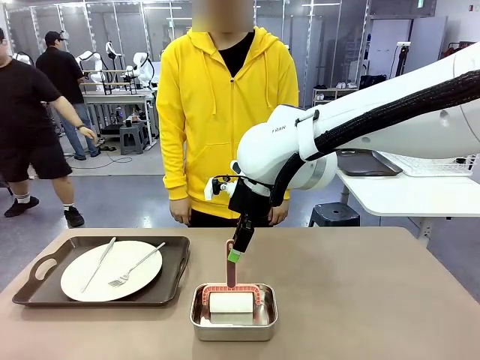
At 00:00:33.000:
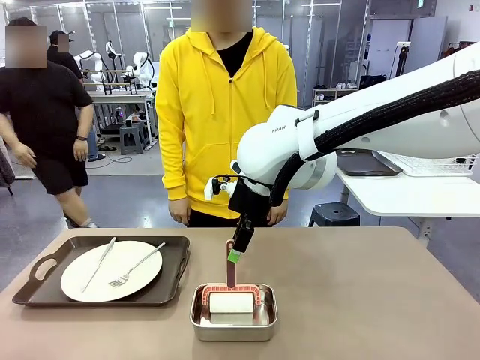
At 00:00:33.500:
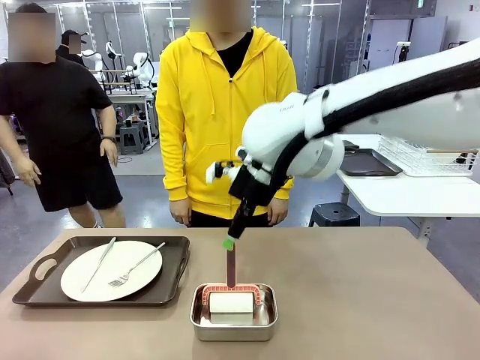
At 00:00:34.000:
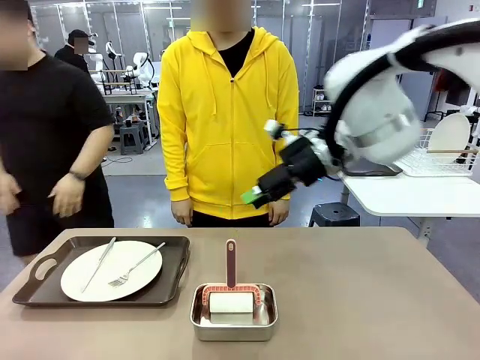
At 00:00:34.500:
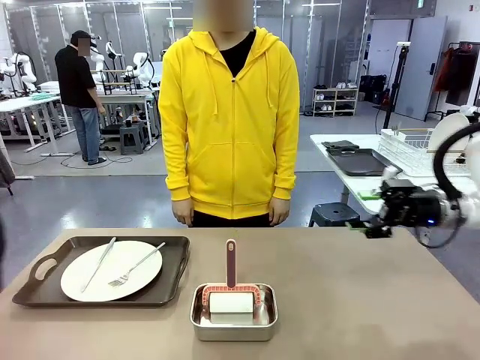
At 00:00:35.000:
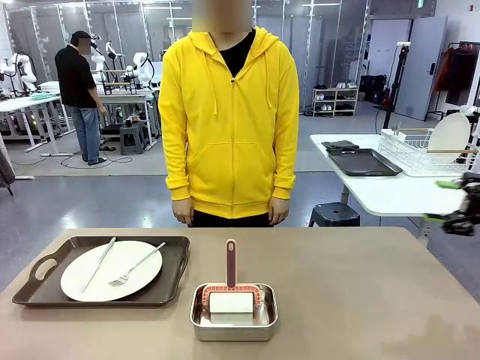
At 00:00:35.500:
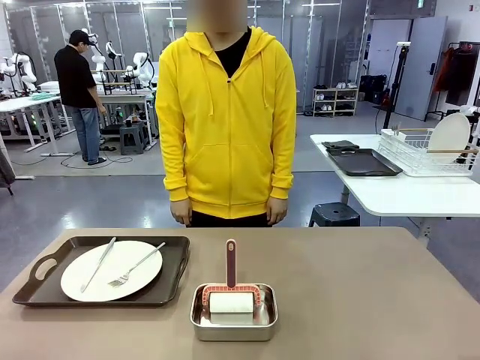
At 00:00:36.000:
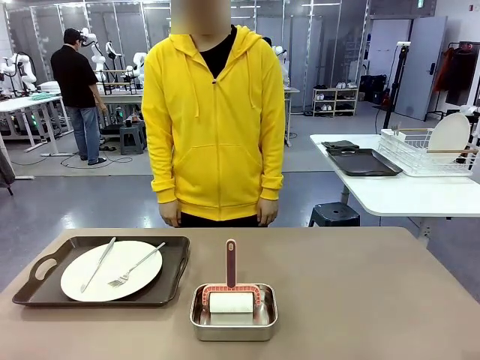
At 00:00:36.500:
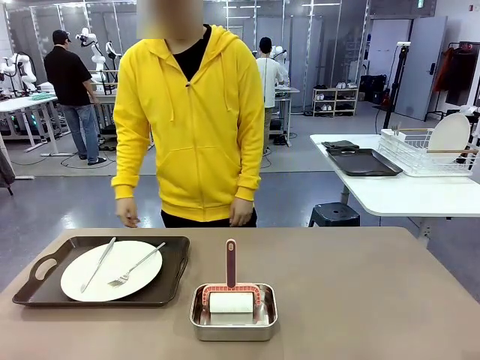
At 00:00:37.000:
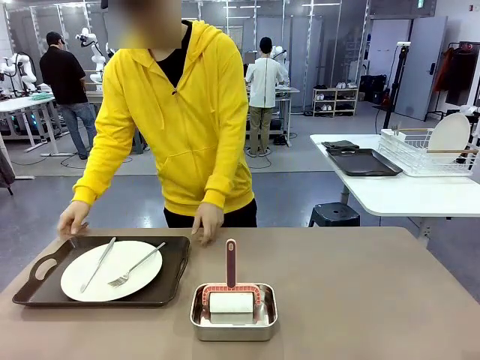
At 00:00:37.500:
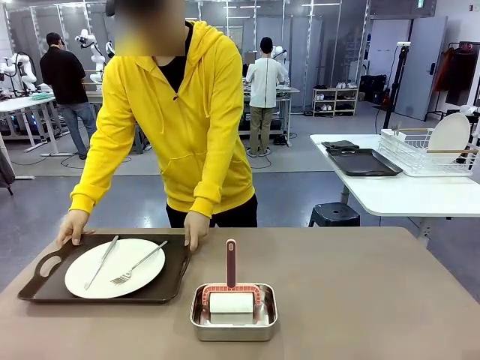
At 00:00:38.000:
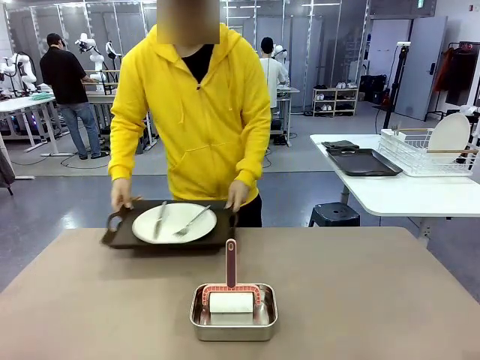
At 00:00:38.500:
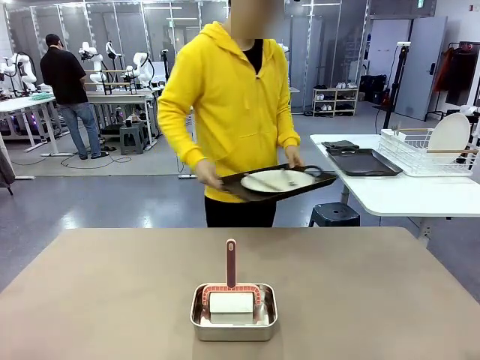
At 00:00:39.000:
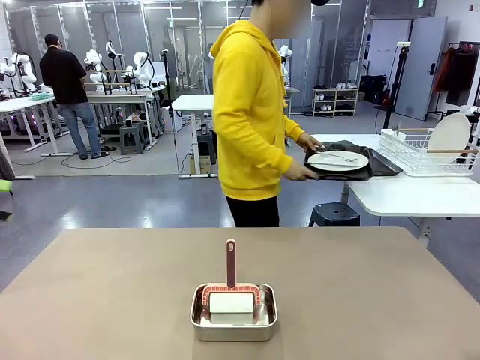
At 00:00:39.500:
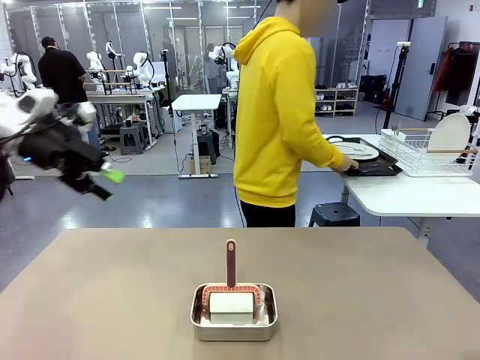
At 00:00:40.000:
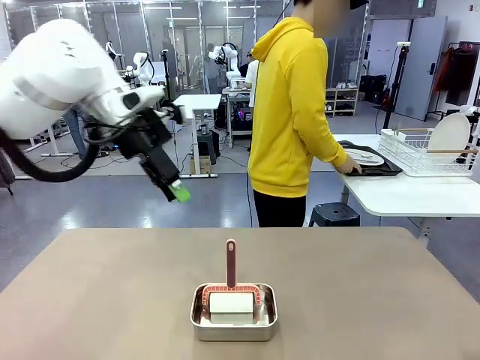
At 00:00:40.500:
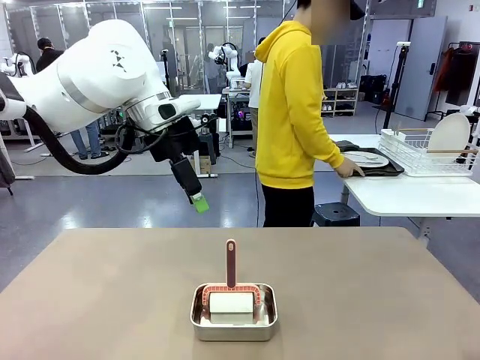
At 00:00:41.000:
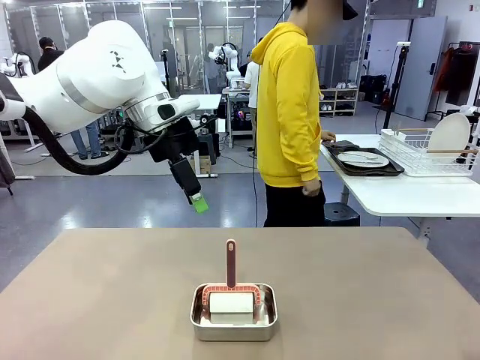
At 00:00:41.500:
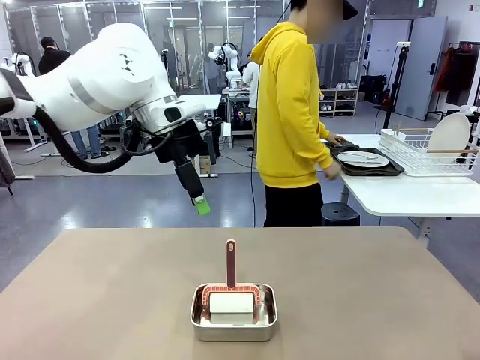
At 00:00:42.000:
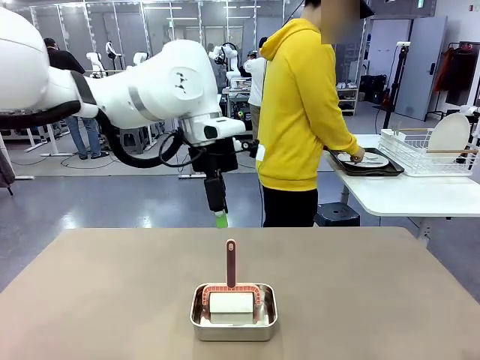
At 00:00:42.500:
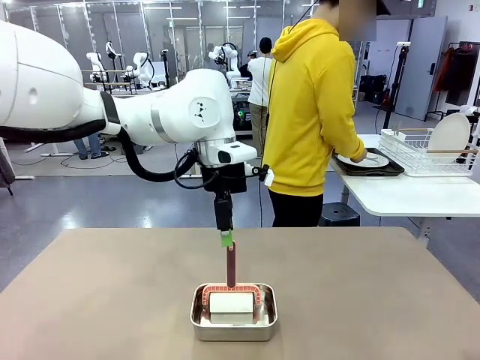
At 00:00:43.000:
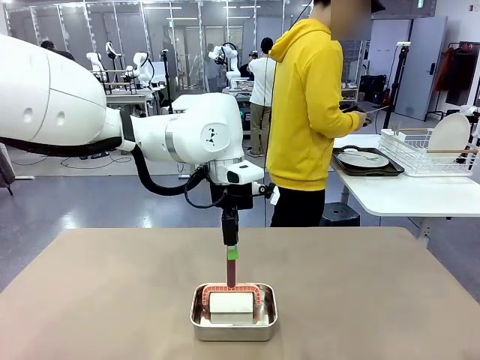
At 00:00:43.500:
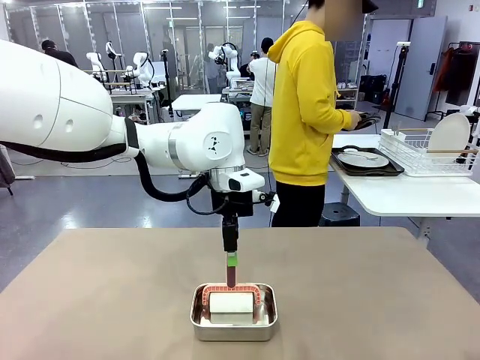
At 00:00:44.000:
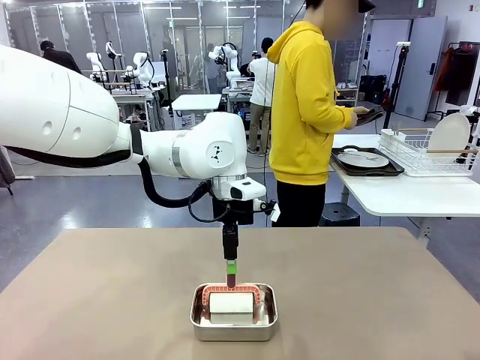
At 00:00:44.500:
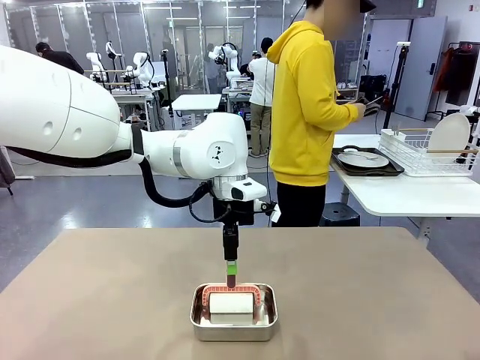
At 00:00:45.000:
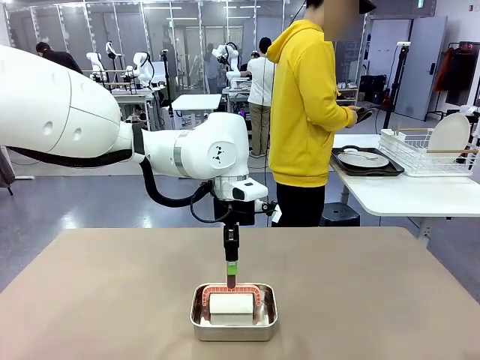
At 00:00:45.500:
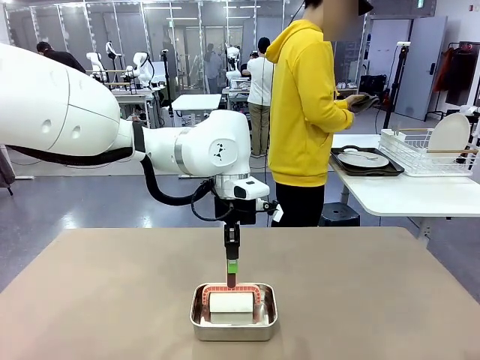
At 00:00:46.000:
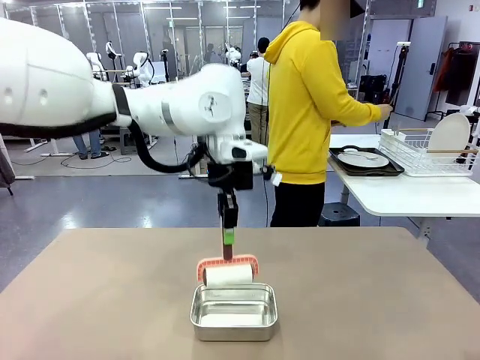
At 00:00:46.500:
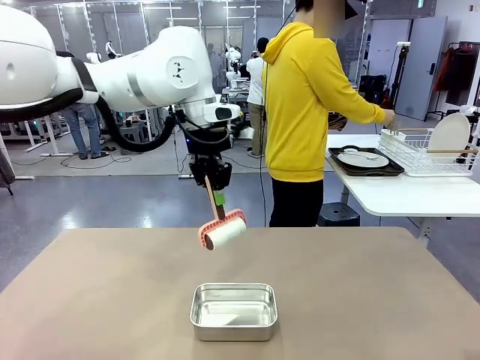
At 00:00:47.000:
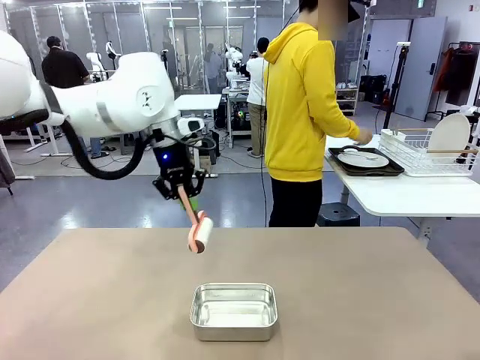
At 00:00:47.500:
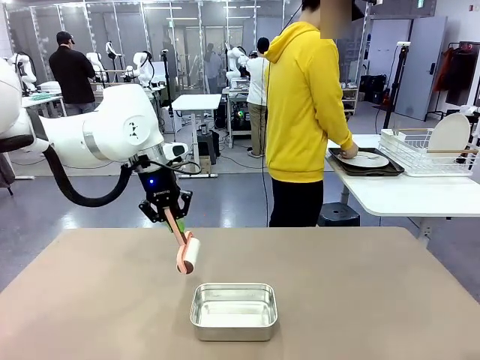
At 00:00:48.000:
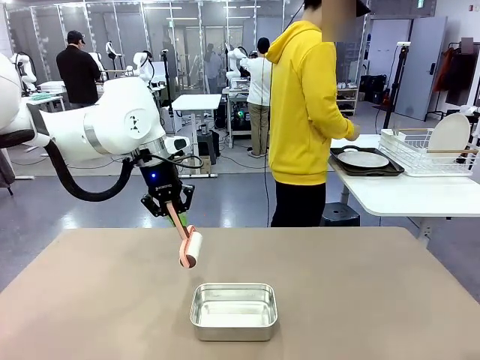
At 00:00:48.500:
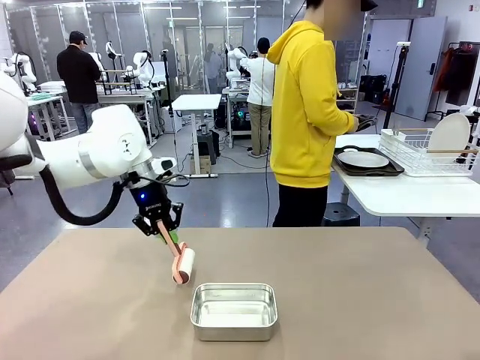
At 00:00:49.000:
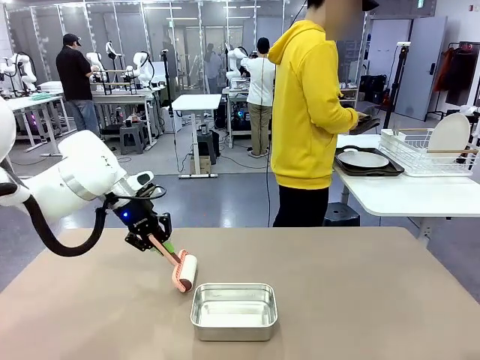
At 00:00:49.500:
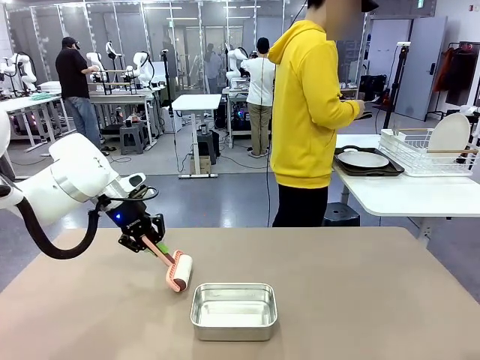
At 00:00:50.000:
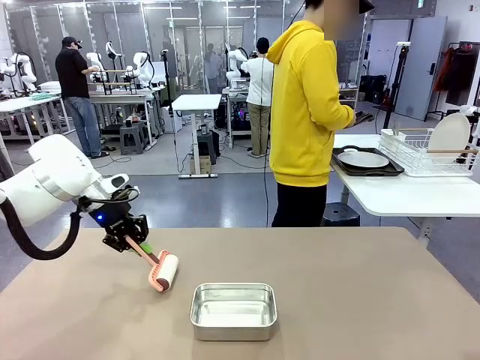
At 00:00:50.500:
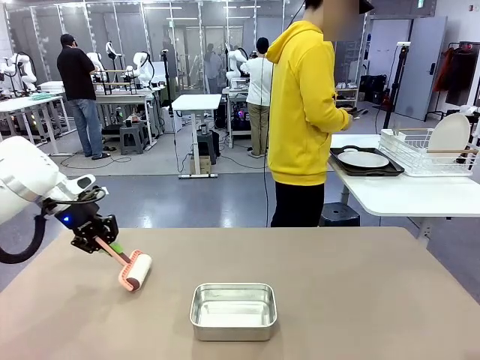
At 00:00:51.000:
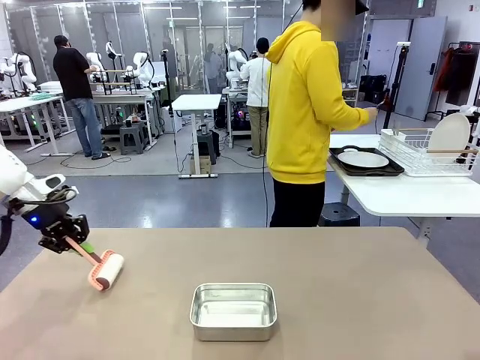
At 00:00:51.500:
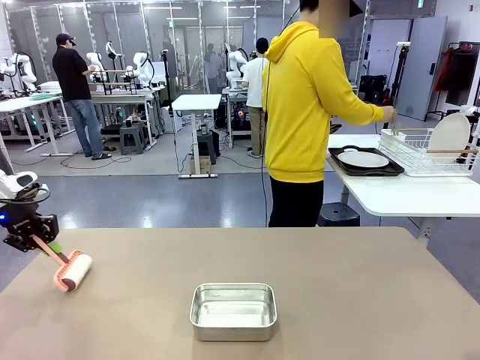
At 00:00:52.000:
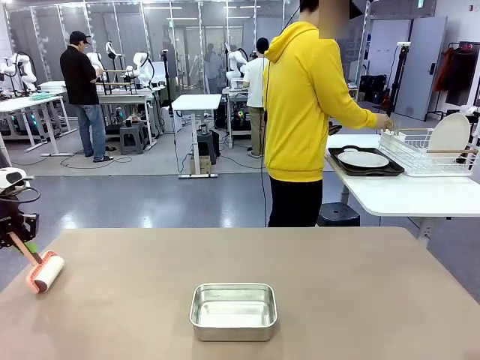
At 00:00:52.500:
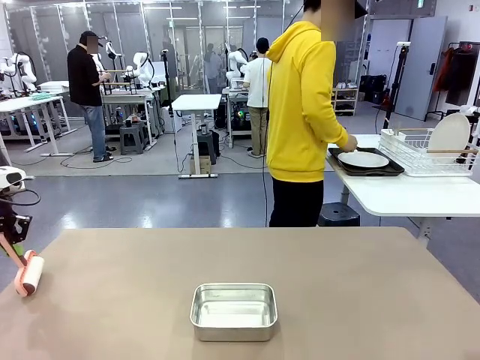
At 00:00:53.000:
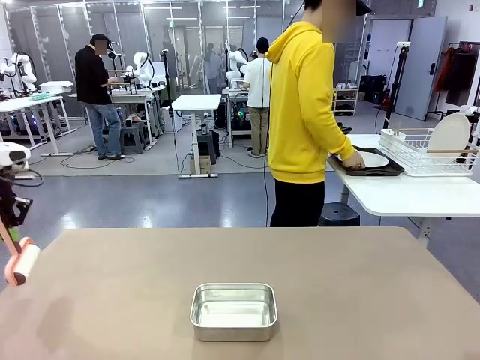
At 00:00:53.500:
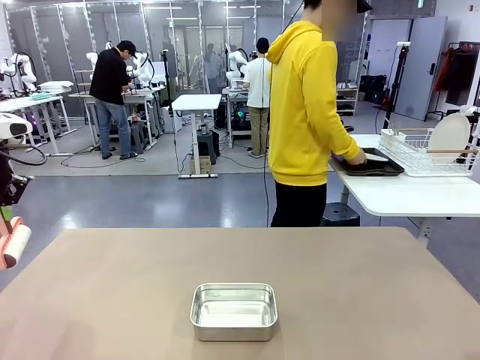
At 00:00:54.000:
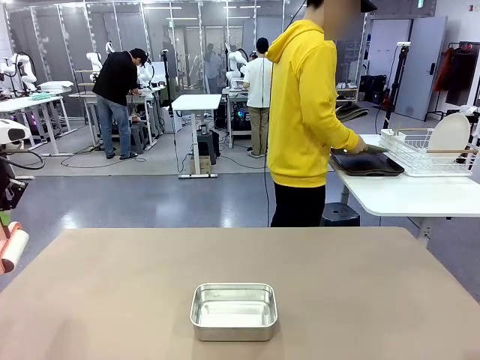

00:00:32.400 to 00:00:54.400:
Robot: When the right (or left) Handle tray is removed, use the right hand (or left hand) to clean the right (or left) side of the table with the Lint Roller.
Person: Pick up the left (or right) Handle tray and place it on the Handle tray.
